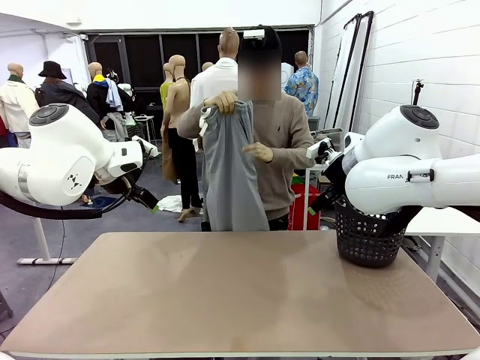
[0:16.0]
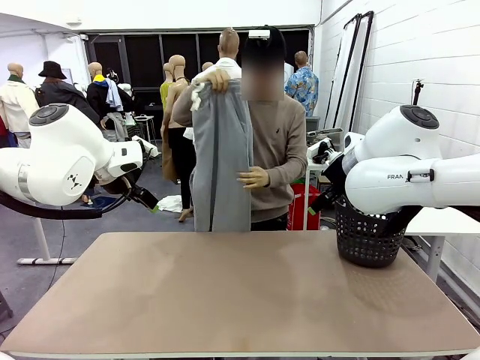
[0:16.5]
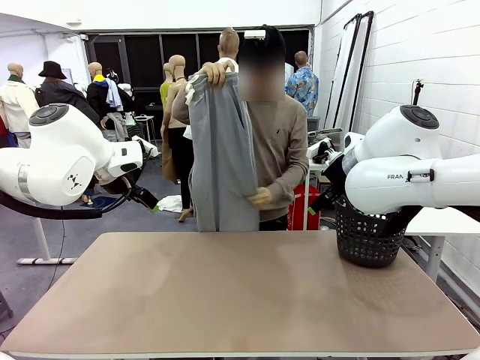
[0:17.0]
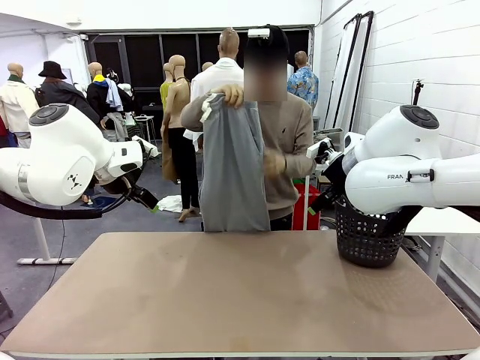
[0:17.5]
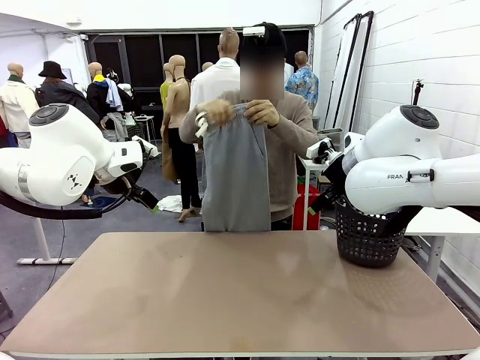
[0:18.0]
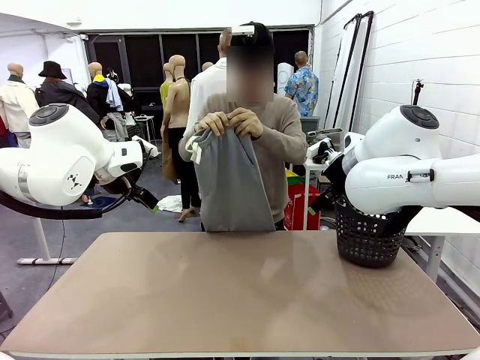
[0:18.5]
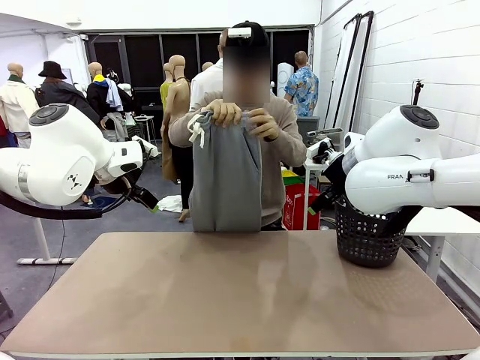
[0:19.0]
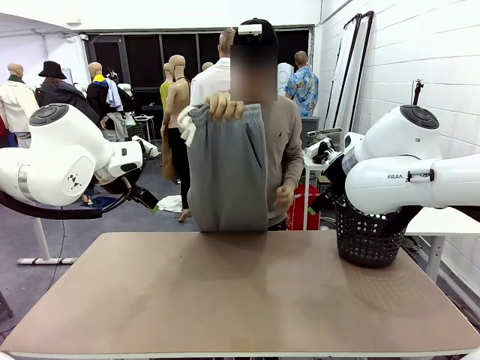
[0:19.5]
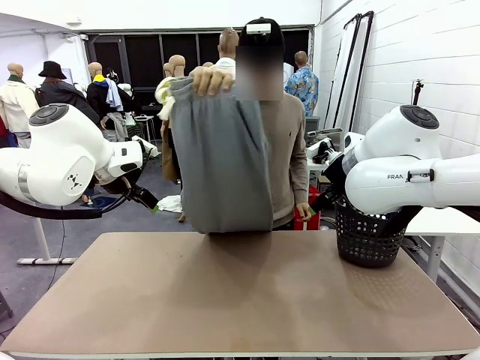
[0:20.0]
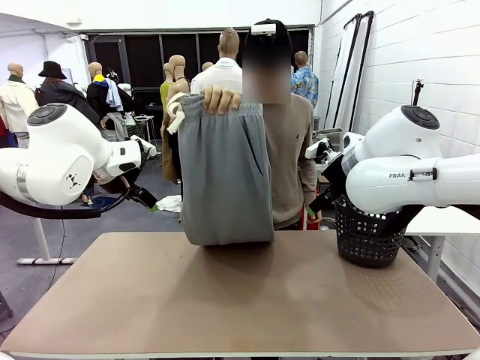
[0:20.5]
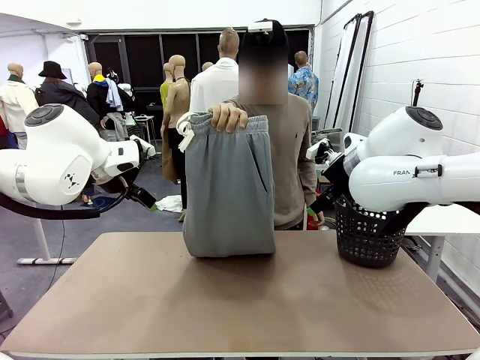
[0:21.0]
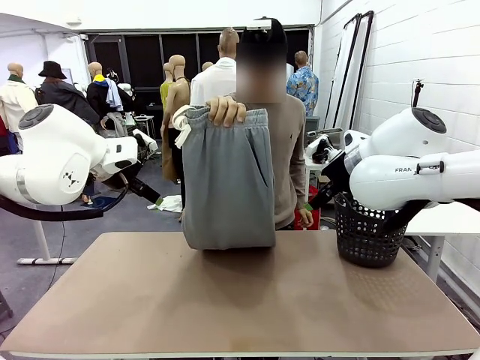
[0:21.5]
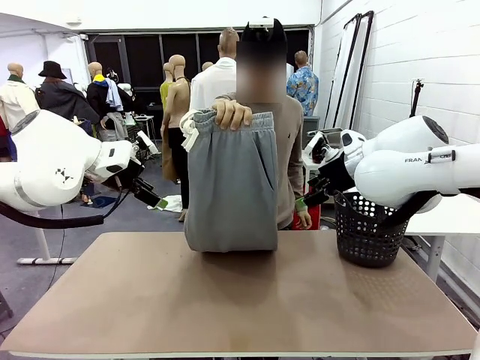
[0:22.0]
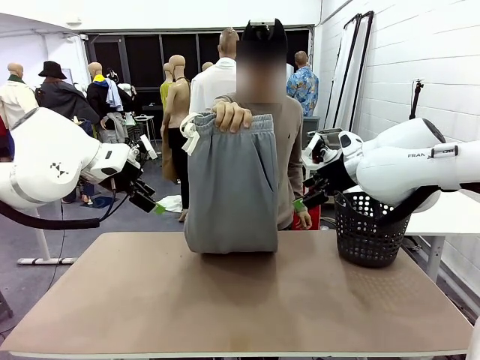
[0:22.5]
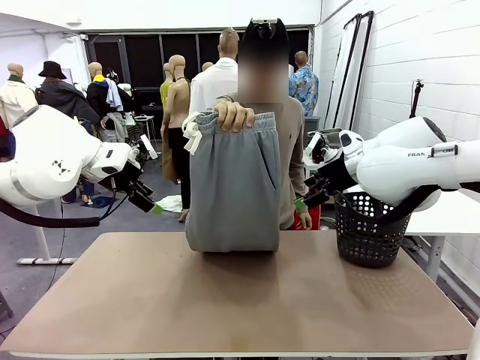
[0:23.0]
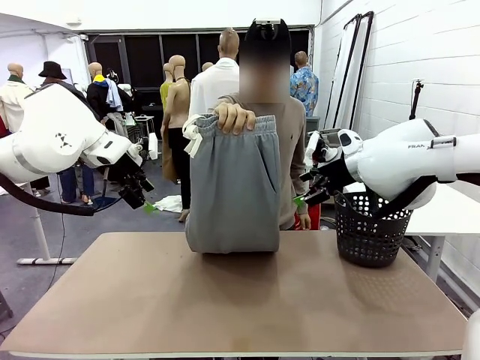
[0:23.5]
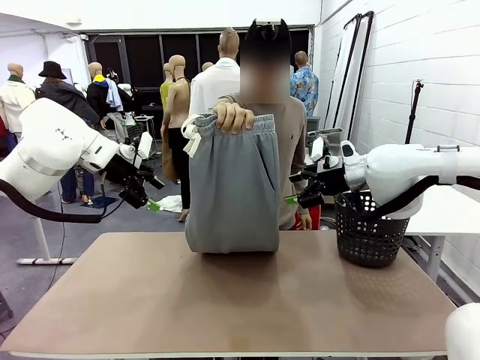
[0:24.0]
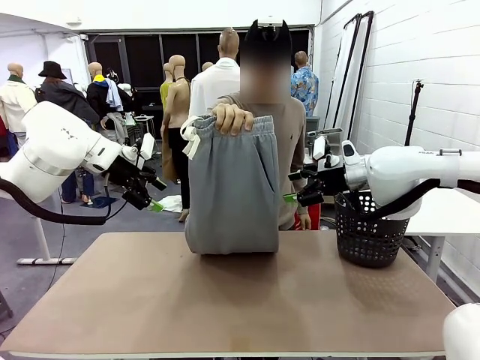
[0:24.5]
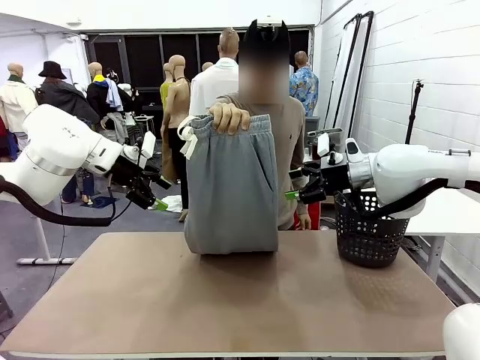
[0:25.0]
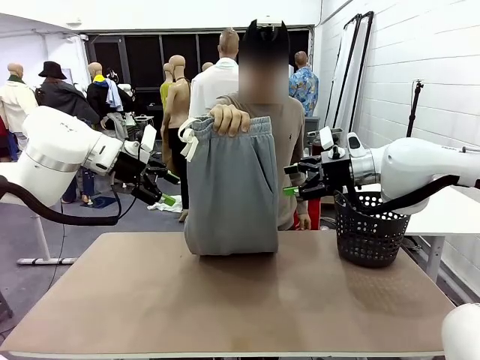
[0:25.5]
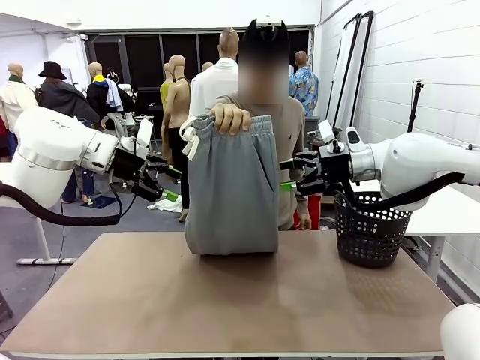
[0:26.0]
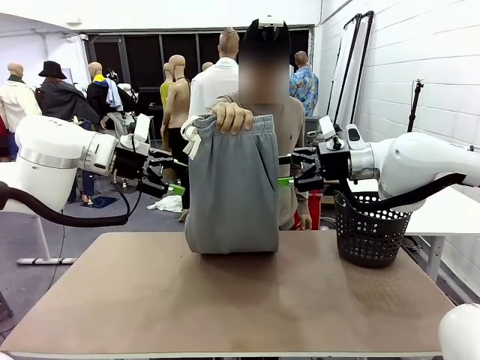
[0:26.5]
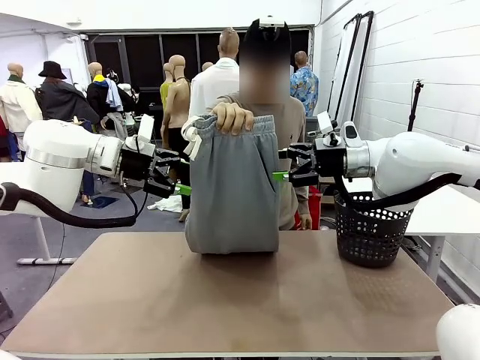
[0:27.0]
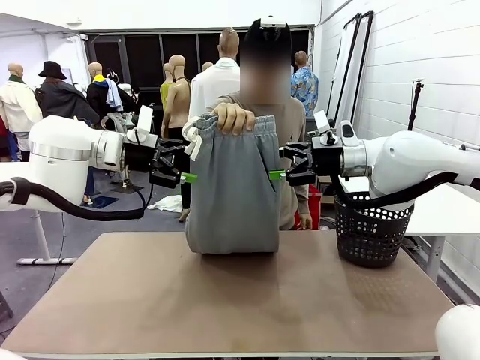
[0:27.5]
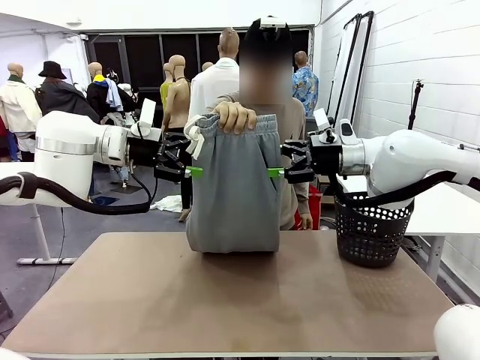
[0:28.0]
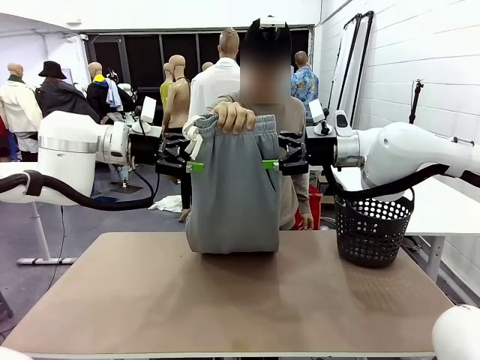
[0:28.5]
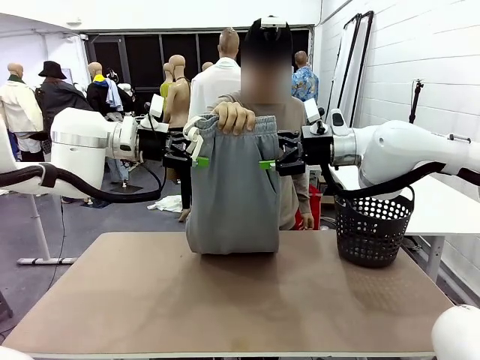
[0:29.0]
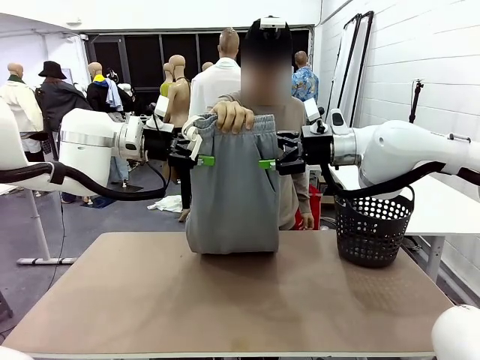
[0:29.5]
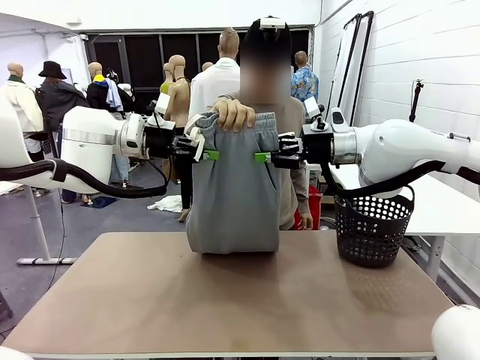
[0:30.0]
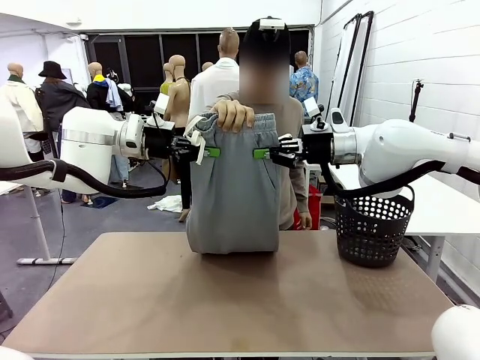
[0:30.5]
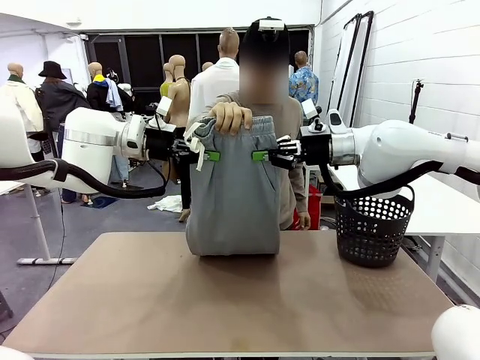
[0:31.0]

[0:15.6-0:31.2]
Task: Fold the training pants.
Robot: Grab both ends of the Training pants handed by a person.

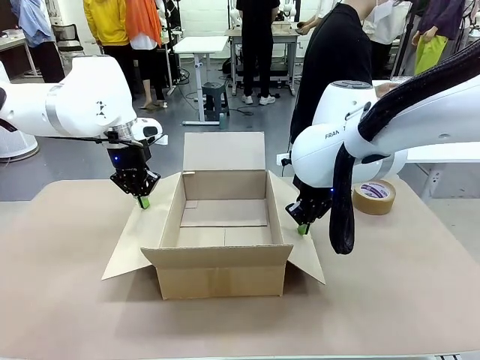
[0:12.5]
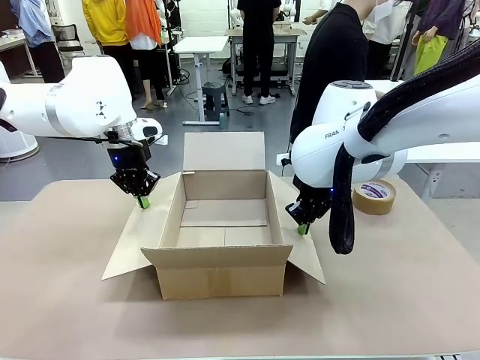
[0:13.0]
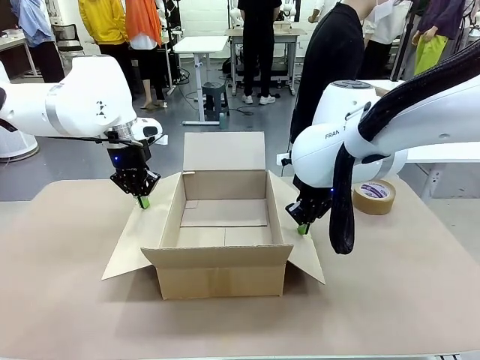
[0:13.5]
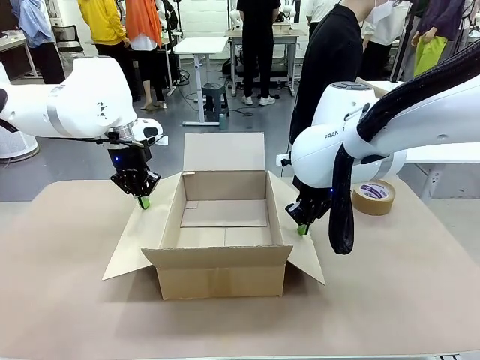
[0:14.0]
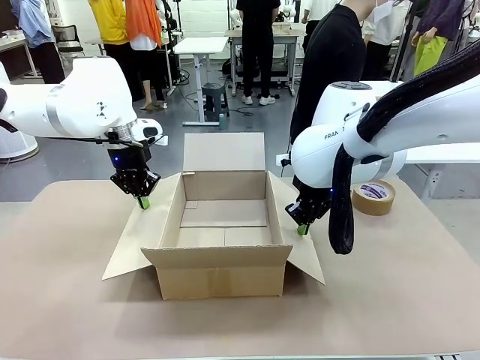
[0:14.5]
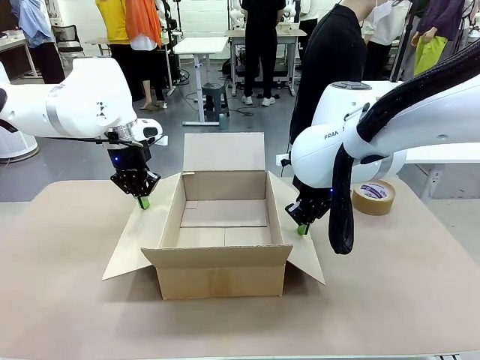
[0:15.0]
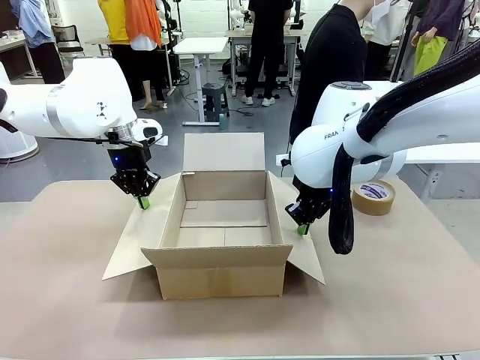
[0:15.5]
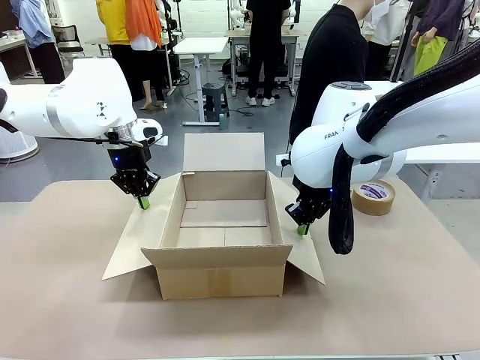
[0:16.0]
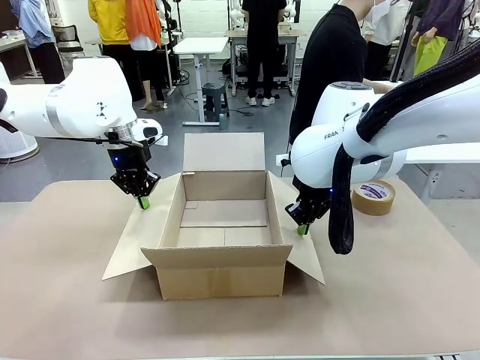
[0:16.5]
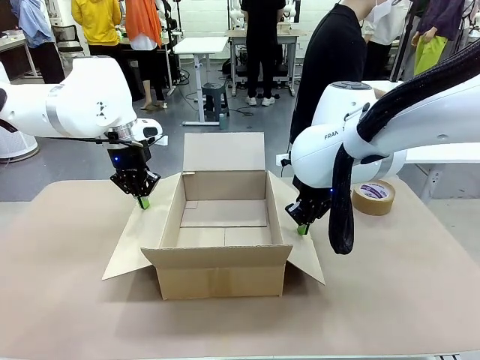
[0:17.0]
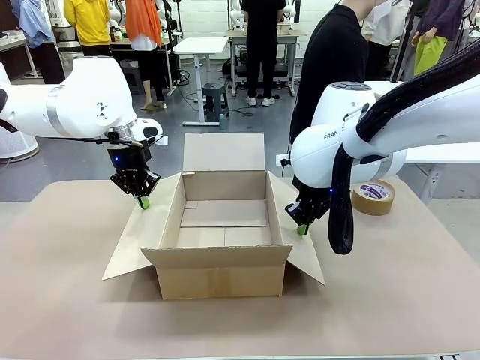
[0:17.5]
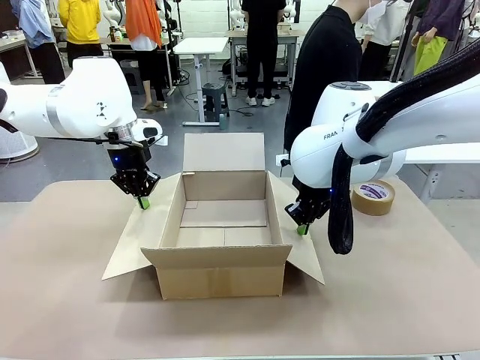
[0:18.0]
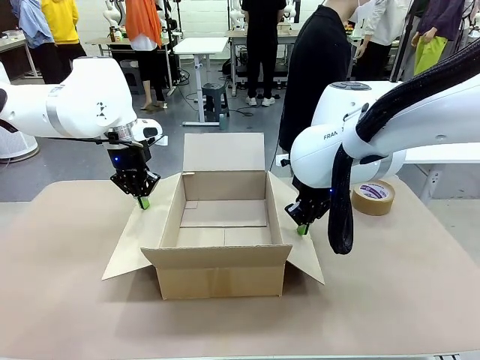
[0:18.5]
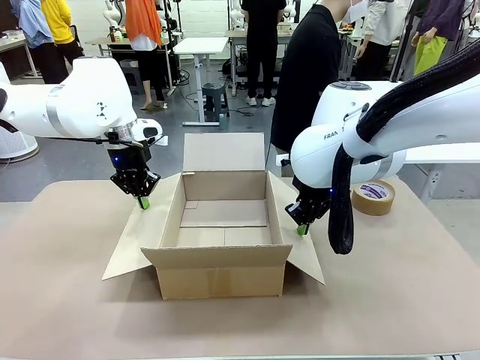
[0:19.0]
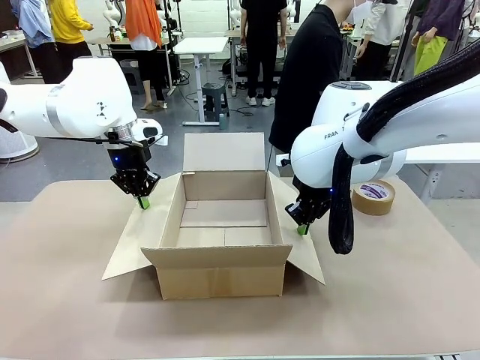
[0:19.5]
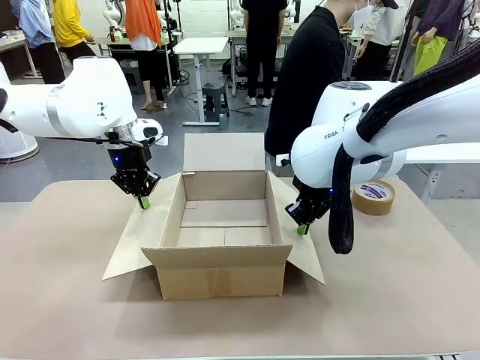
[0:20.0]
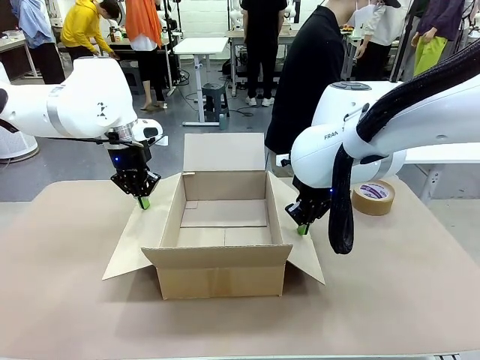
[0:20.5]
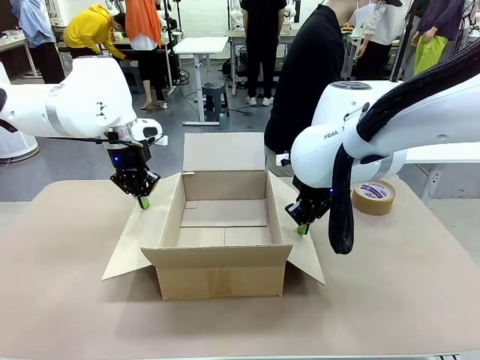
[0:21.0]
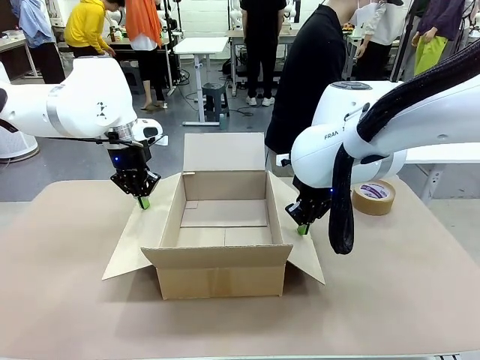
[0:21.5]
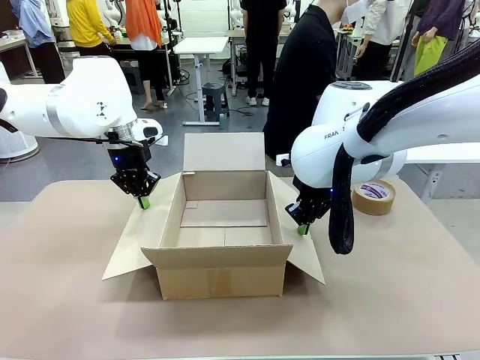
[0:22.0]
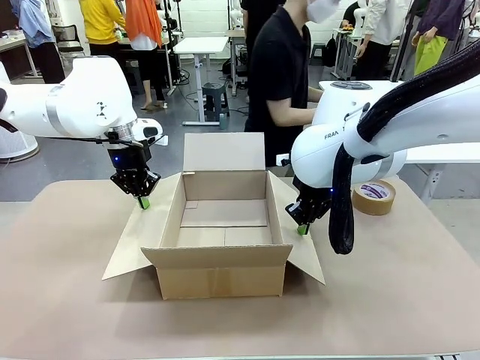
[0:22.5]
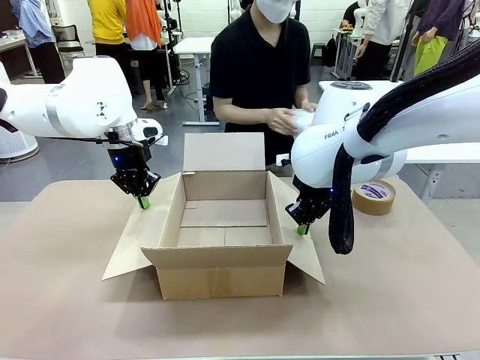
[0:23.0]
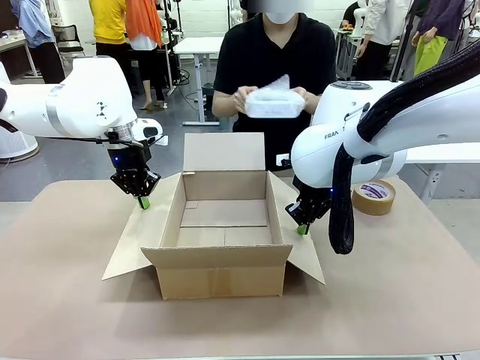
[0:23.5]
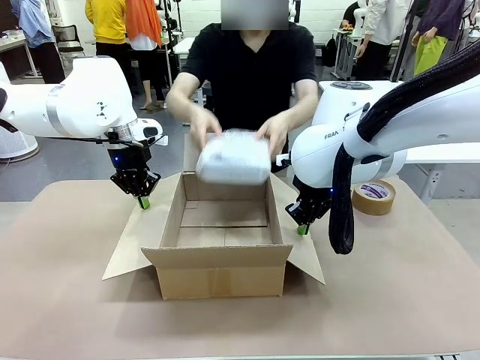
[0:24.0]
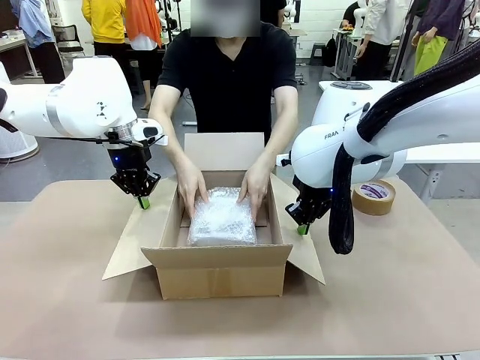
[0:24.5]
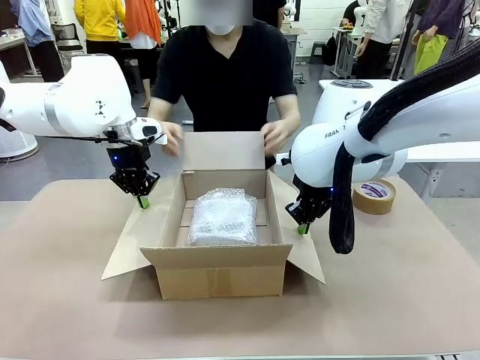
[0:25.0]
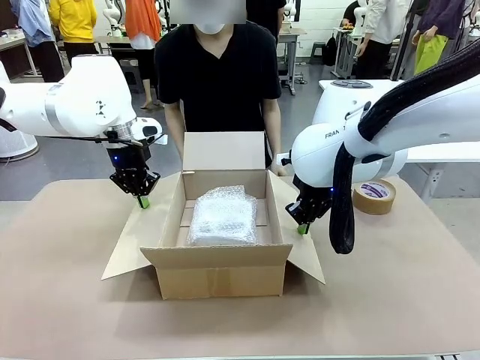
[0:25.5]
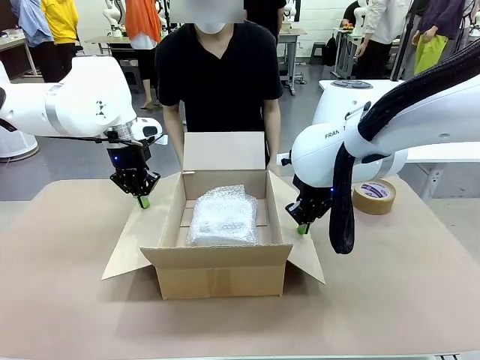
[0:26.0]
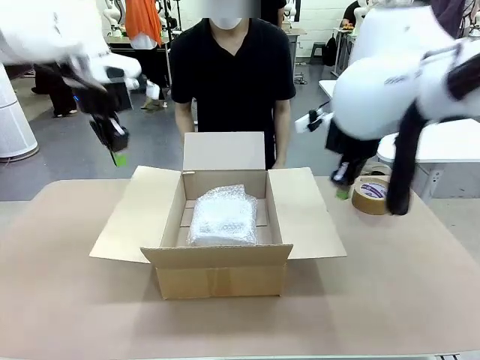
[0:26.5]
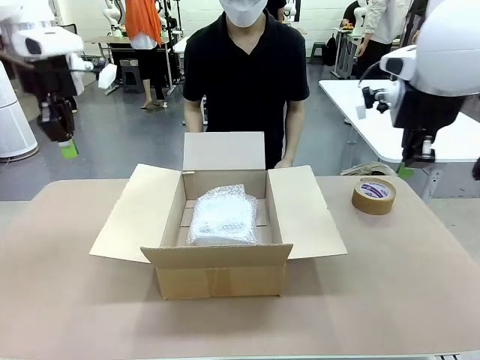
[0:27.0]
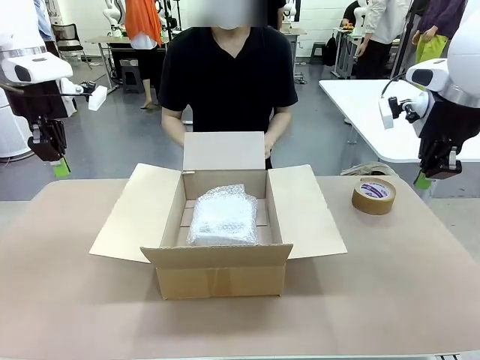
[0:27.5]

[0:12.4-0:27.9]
Task: Wrap the clocks to prevent damage.
Robot: Once the human has placed the objects inside and stepped back, release both hands from the side flaps of the Package Box.
Person: Place the wrapped Digital clocks inside the Package Box.
